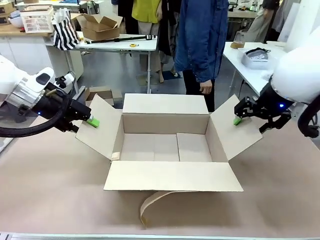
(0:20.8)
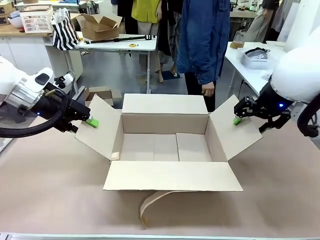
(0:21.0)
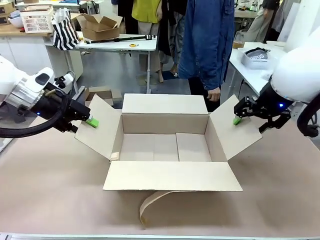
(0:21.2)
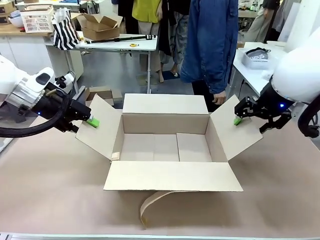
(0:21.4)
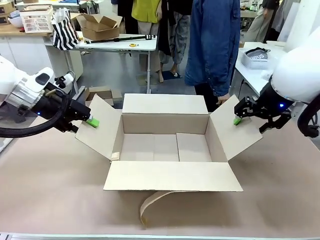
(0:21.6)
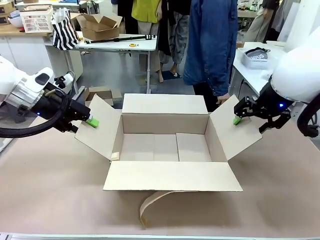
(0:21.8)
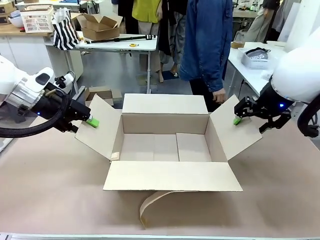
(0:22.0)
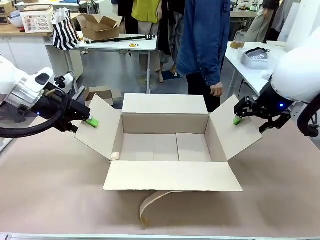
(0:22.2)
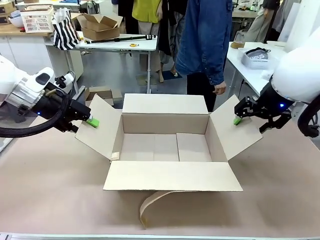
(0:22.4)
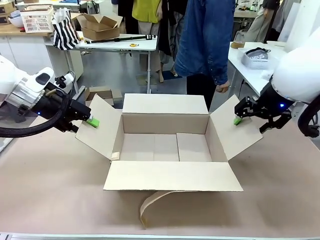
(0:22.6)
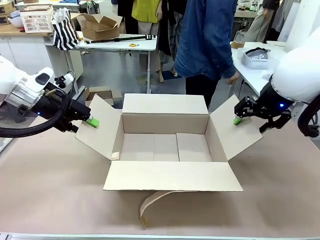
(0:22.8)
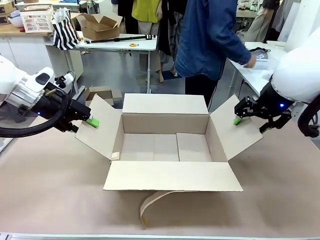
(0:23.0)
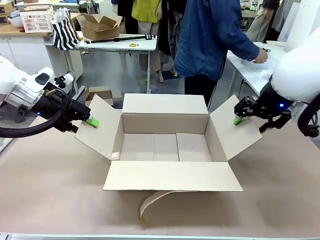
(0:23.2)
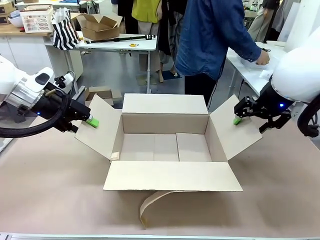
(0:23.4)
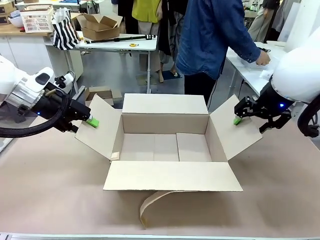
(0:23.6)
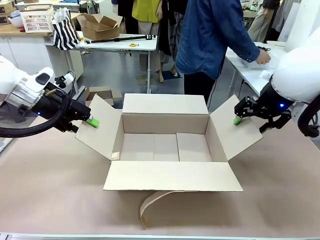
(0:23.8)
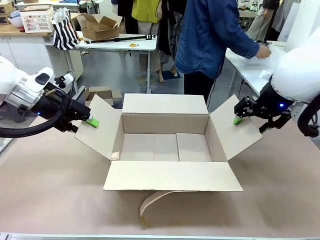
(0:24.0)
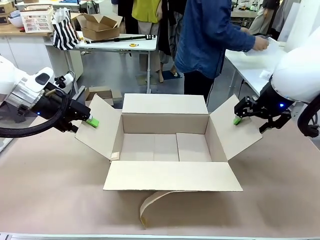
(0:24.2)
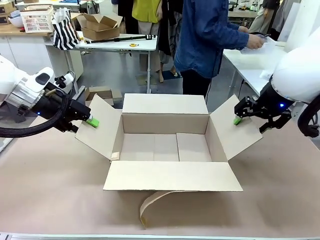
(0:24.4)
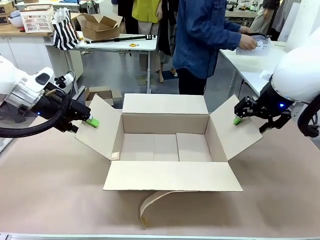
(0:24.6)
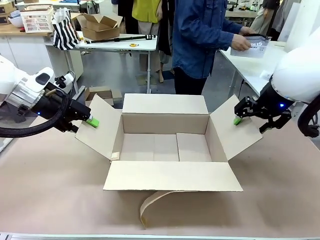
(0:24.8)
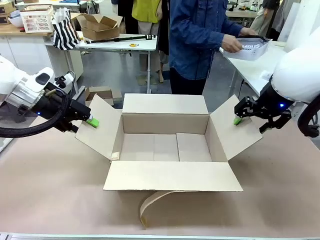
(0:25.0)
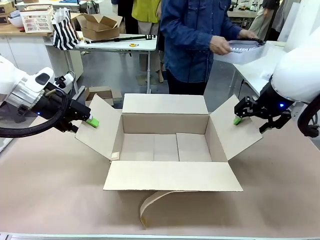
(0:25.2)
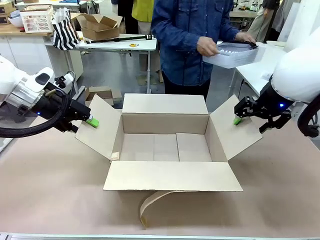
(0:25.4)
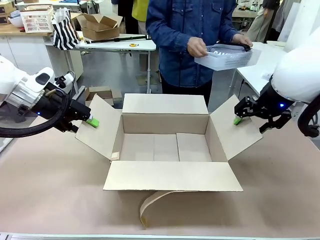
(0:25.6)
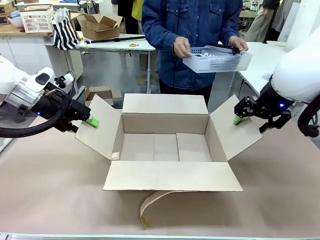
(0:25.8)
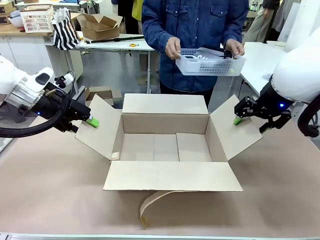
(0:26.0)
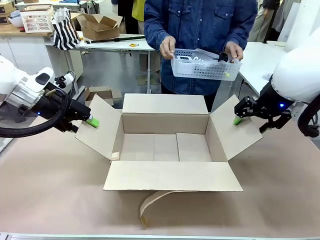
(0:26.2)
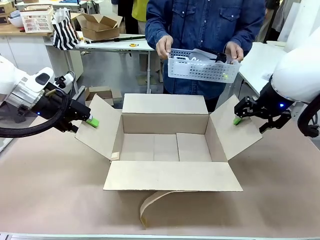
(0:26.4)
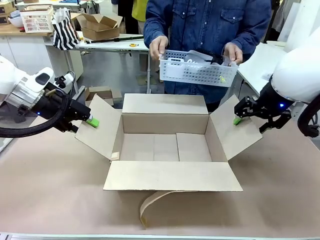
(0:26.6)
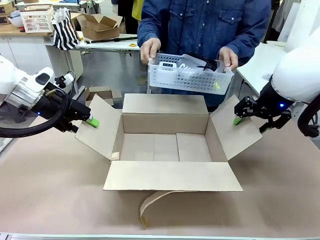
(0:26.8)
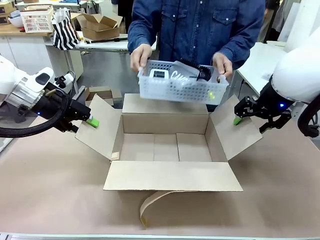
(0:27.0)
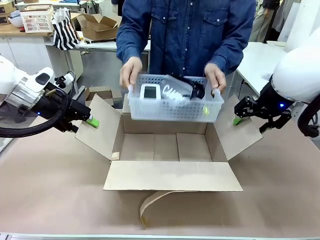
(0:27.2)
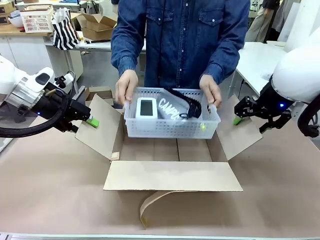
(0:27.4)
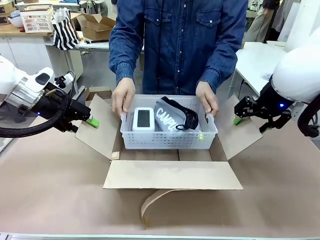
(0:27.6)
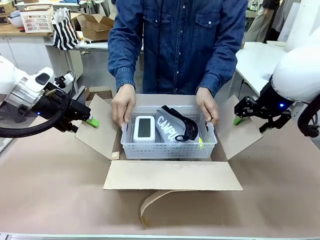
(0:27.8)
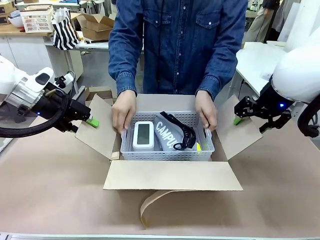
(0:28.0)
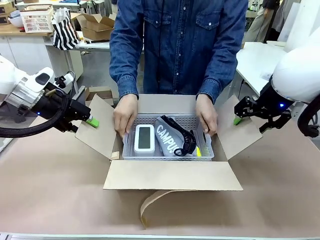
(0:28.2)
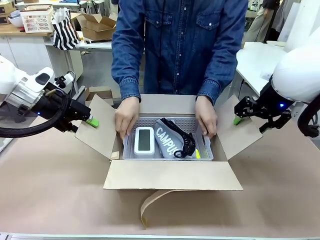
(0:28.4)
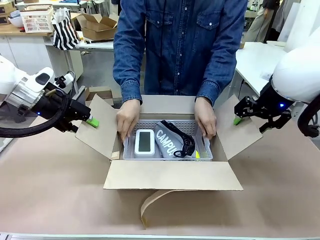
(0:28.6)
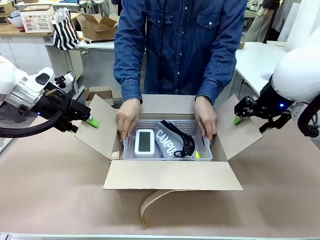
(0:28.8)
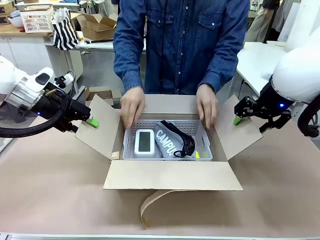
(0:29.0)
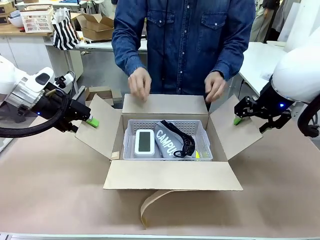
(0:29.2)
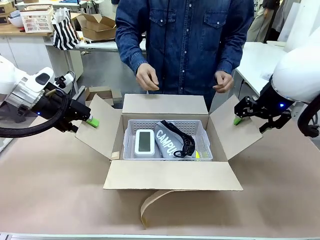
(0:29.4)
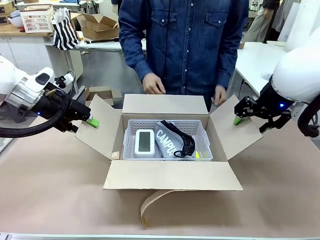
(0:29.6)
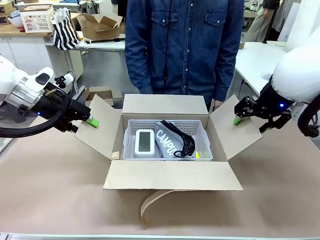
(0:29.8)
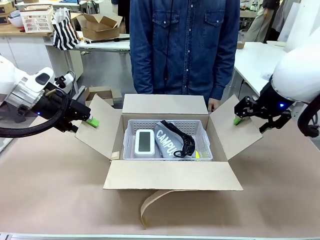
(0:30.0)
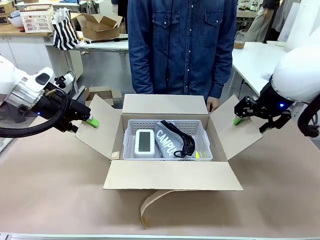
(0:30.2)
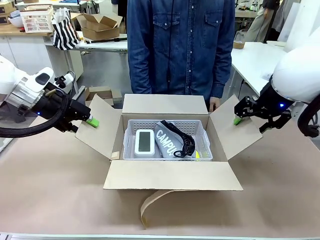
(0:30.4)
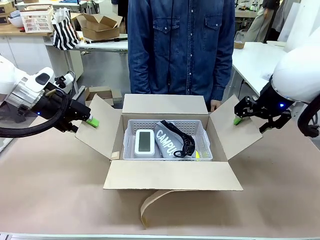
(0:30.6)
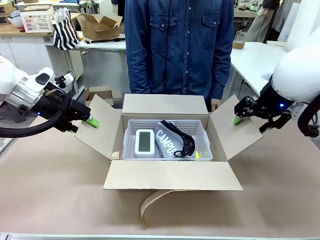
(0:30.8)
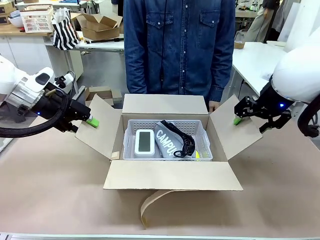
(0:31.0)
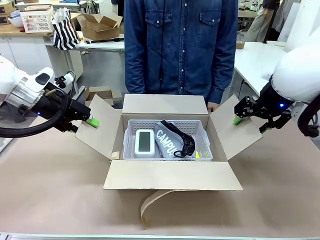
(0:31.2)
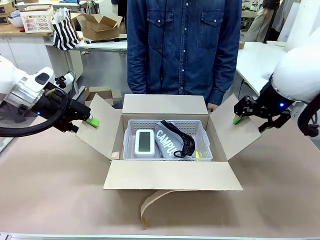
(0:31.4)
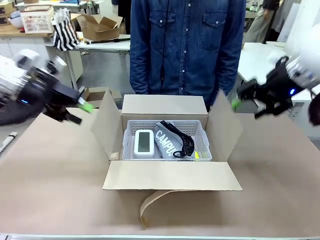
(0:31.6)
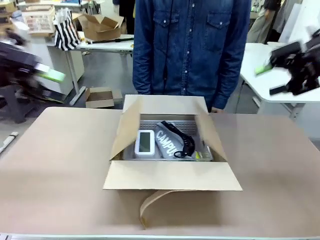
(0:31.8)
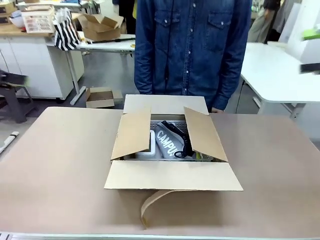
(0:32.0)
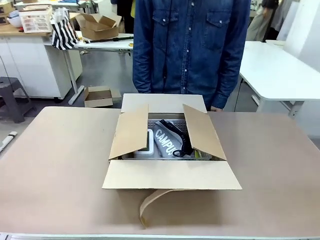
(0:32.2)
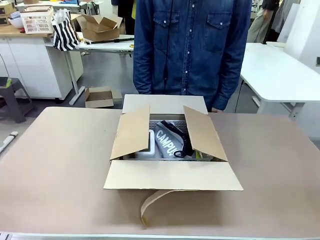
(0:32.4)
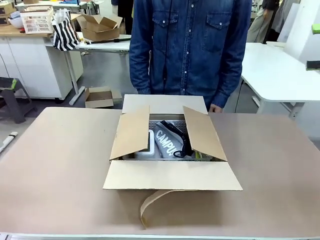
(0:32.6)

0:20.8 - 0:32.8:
Task: Pack the gift set into the box.
Robot: Lift both hands away from the flaps of the Package Box.
Person: The human picks up the organizing basket and places the organizing basket into the package box on the robot table.

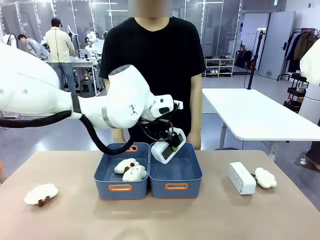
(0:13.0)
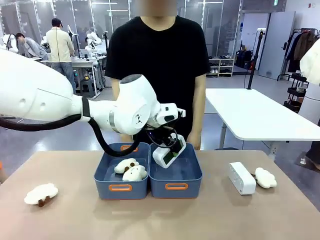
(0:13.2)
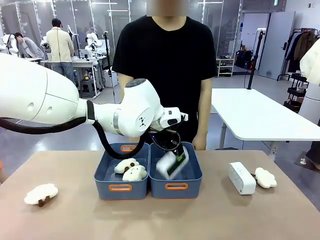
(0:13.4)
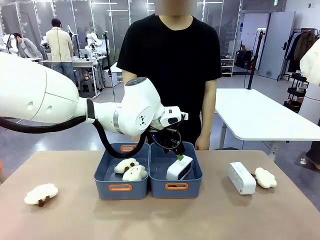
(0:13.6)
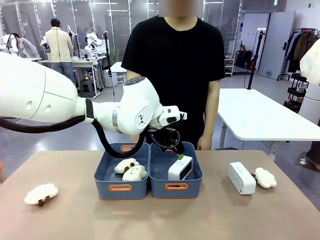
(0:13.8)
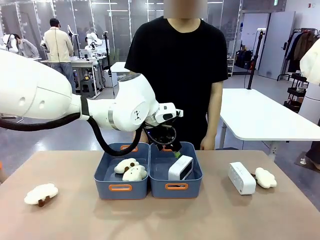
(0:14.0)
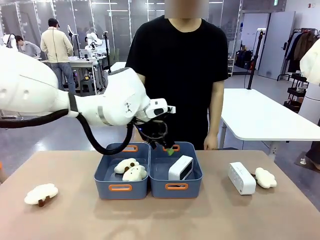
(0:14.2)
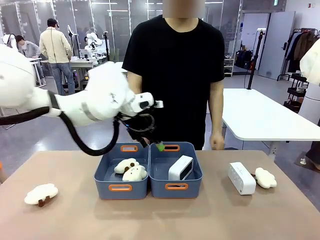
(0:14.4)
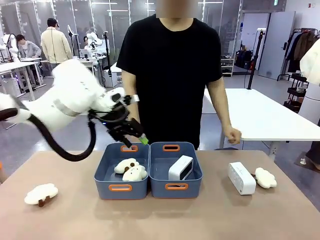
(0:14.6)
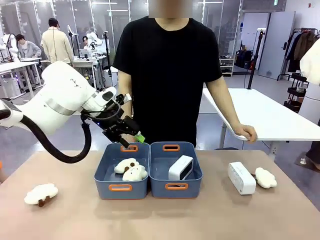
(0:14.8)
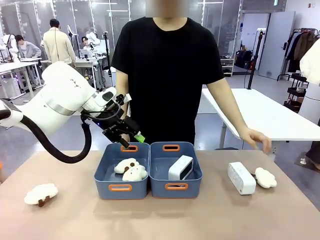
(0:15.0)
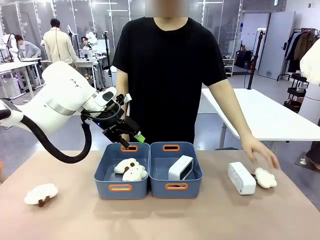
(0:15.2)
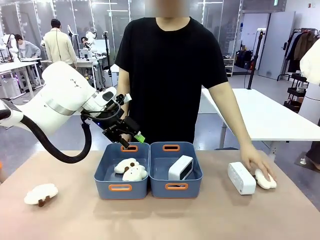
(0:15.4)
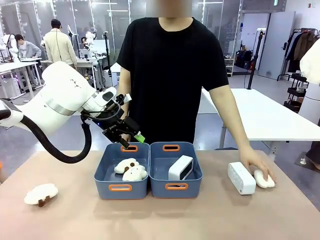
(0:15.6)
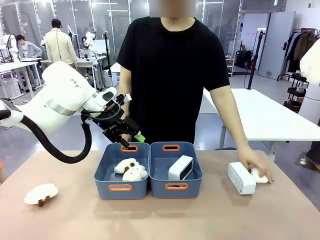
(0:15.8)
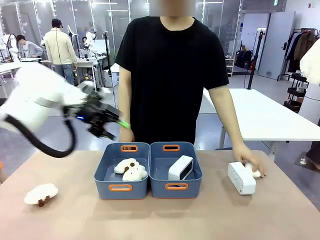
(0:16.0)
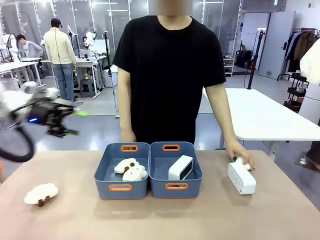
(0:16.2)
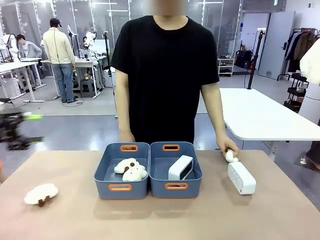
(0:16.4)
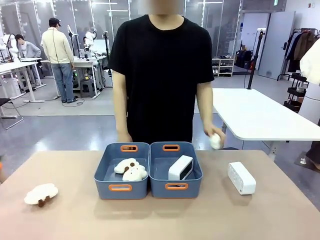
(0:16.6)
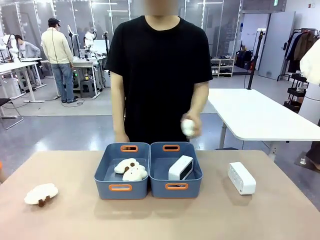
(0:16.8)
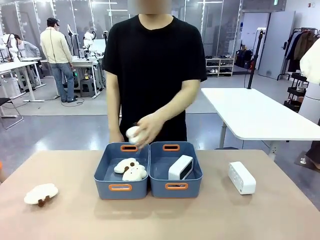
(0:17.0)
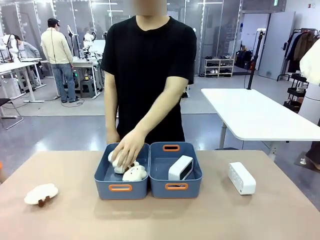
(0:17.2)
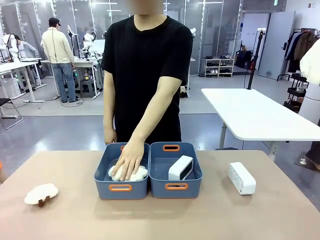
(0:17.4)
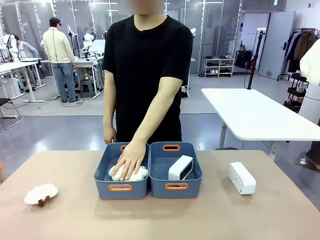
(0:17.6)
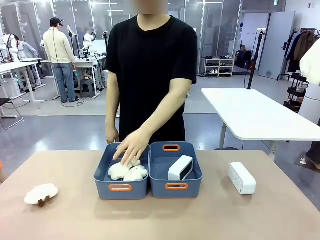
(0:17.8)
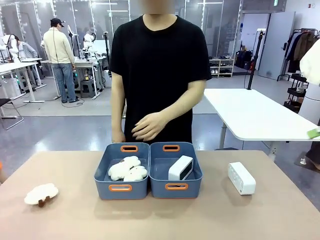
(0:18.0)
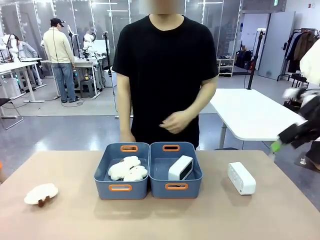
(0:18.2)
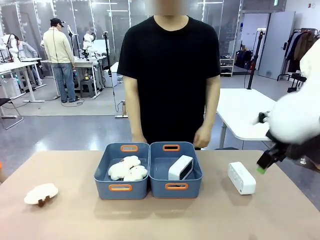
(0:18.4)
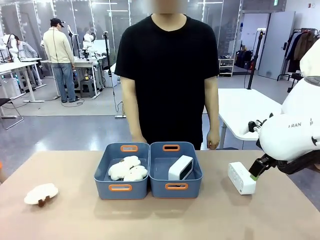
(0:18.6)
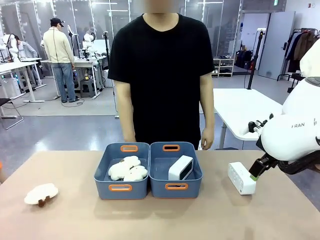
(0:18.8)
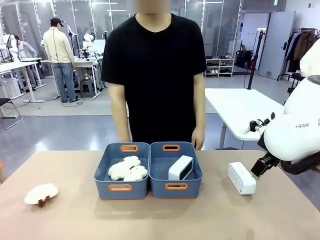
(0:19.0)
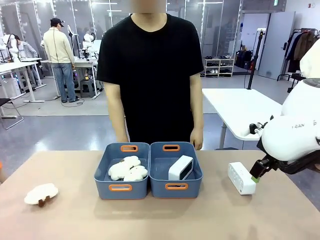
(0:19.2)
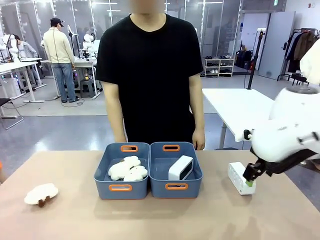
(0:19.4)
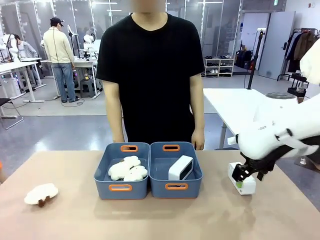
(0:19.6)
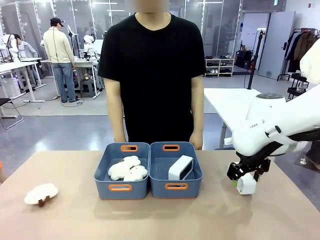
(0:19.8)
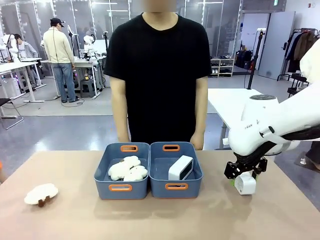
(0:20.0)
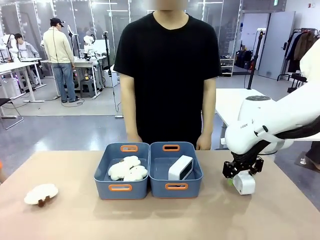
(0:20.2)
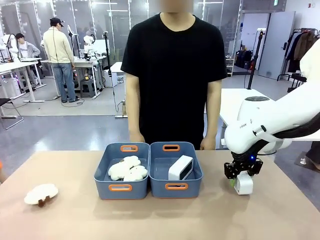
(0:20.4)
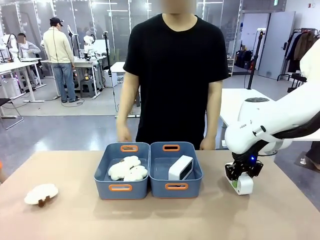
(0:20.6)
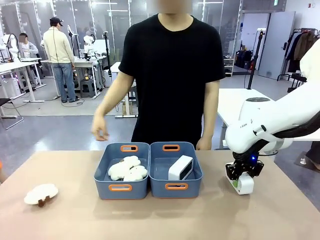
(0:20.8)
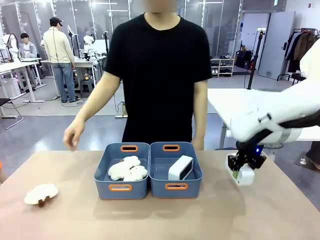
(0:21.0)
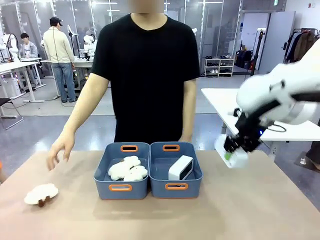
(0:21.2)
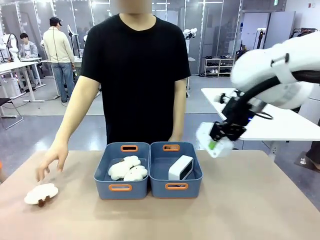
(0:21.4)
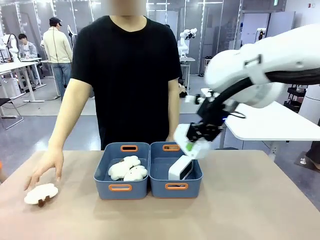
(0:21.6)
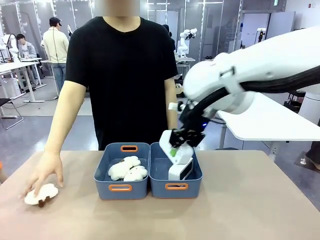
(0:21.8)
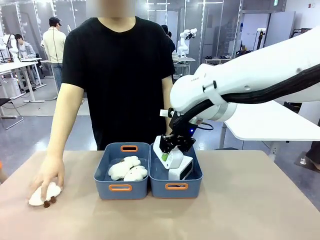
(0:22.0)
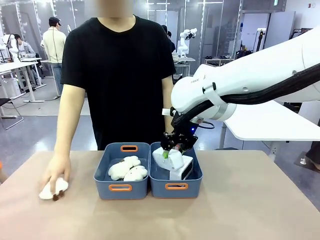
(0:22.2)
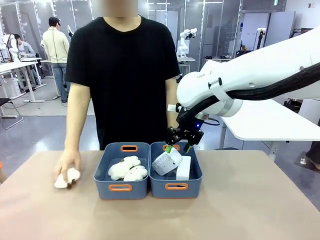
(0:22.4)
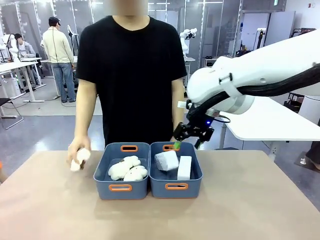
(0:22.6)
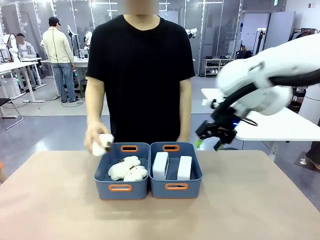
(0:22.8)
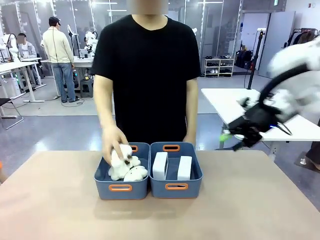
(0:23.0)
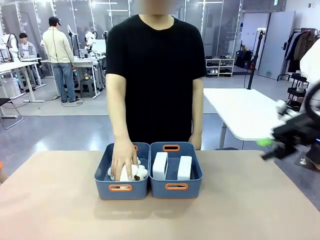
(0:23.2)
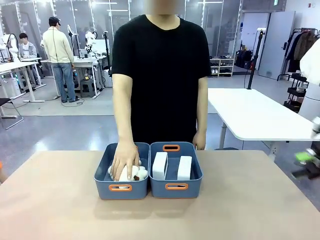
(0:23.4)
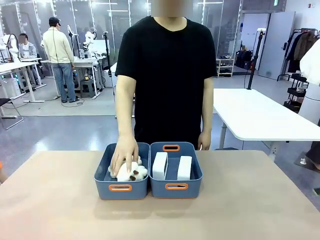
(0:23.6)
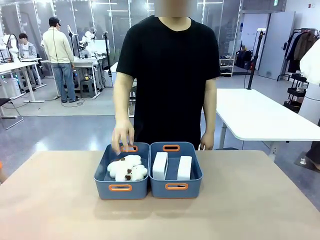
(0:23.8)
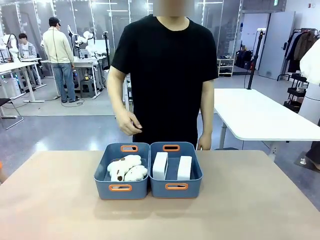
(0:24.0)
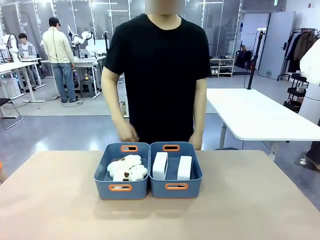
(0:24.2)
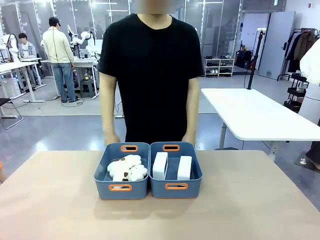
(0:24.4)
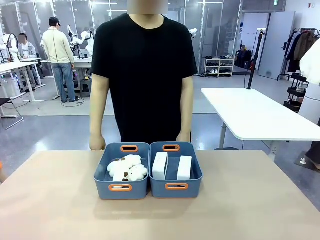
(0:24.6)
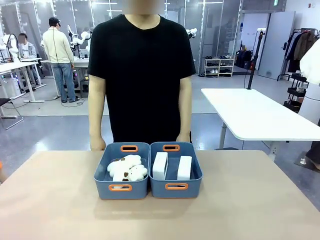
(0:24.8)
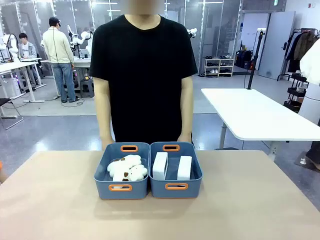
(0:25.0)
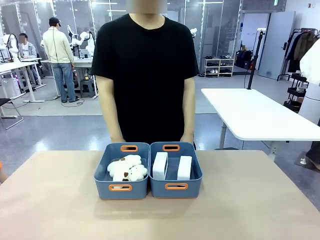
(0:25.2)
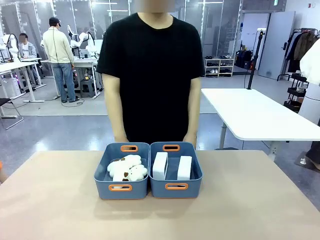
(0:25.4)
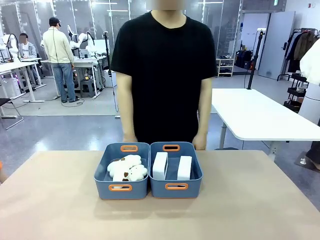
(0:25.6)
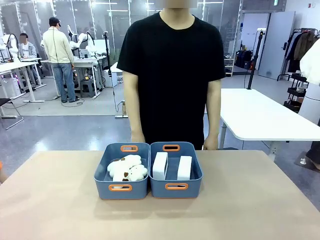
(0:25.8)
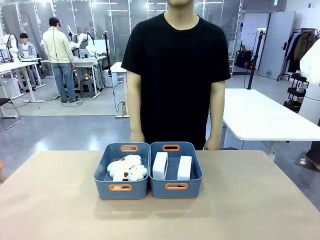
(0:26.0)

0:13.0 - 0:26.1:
Task: Sort the digital clocks into the basket.
Robot: Pick up the Digital clock from the table and place it into the empty Plastic storage basket.
Person: Pick up a plush toy from the table and place it in the plastic storage basket containing the plush toy.
